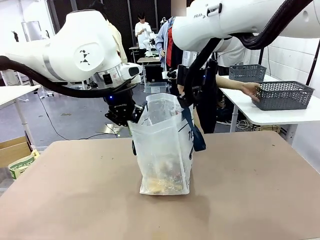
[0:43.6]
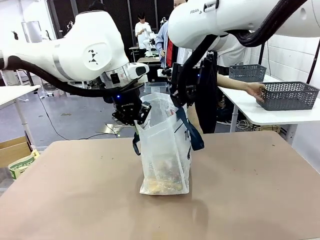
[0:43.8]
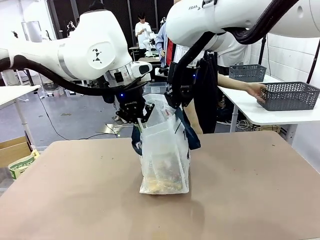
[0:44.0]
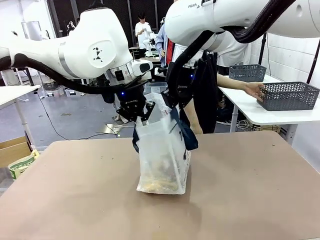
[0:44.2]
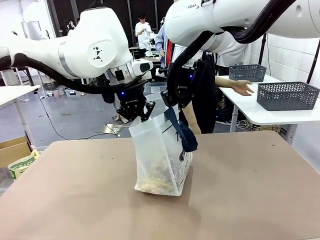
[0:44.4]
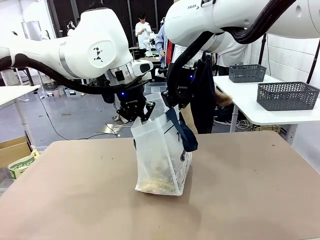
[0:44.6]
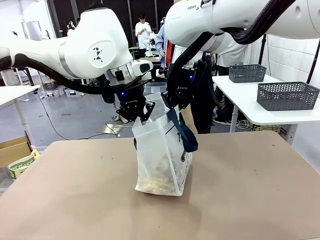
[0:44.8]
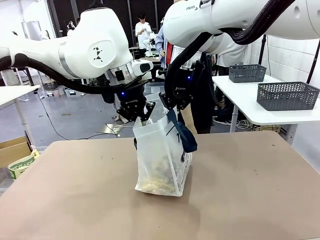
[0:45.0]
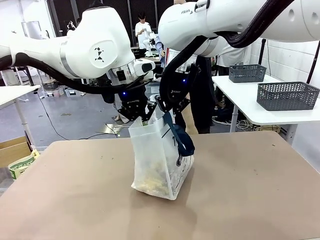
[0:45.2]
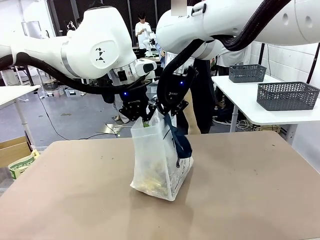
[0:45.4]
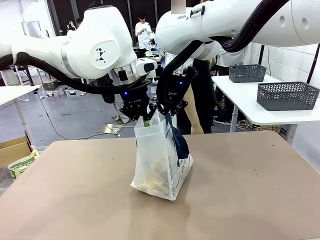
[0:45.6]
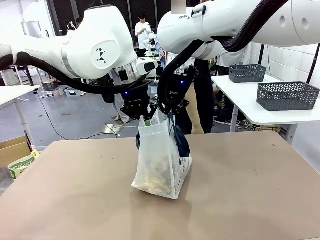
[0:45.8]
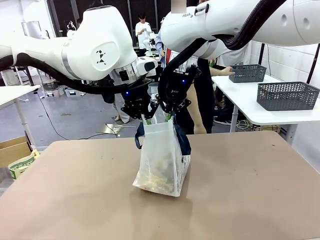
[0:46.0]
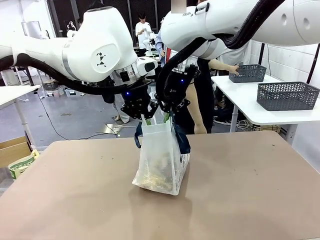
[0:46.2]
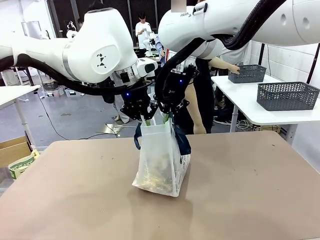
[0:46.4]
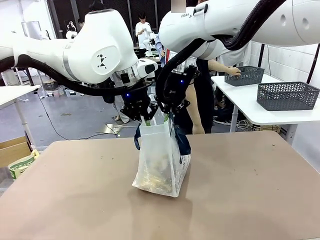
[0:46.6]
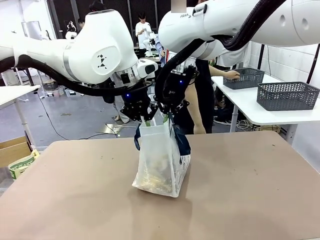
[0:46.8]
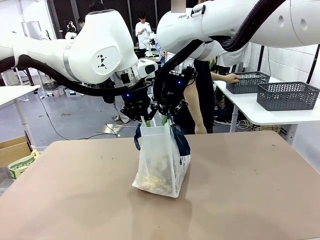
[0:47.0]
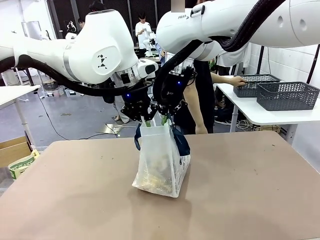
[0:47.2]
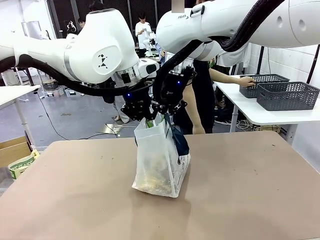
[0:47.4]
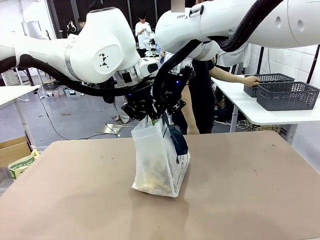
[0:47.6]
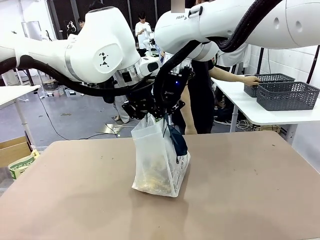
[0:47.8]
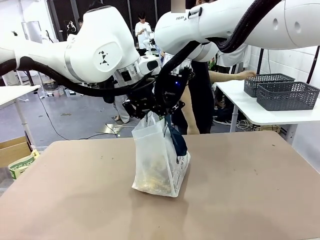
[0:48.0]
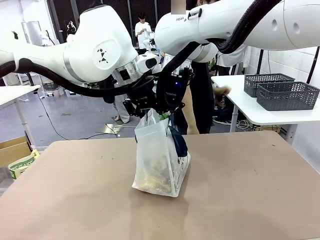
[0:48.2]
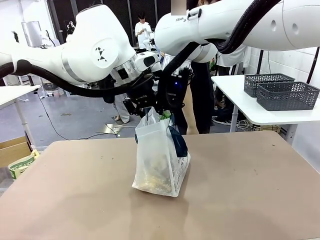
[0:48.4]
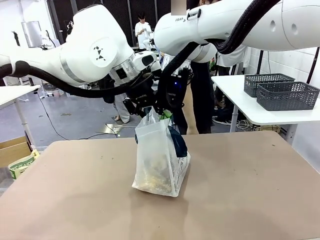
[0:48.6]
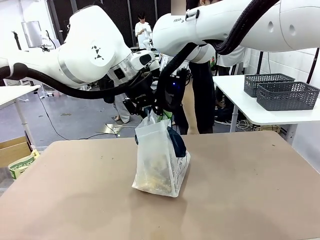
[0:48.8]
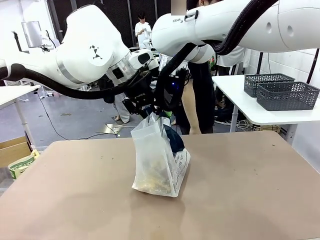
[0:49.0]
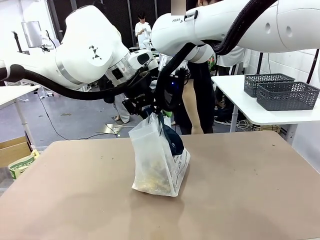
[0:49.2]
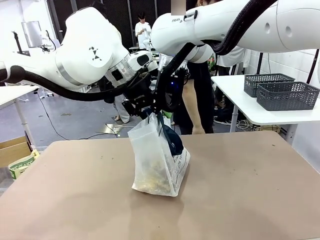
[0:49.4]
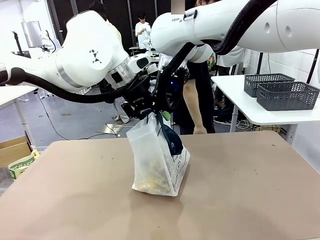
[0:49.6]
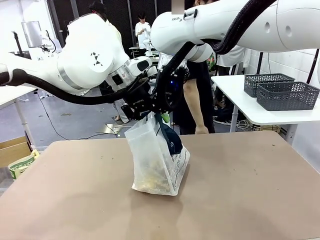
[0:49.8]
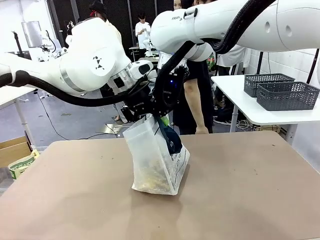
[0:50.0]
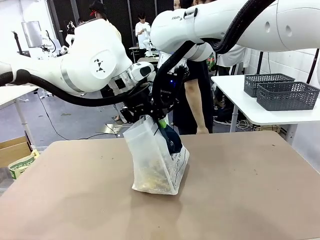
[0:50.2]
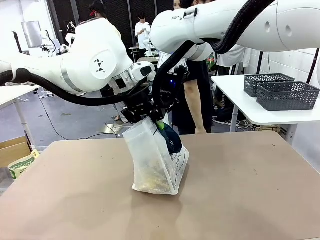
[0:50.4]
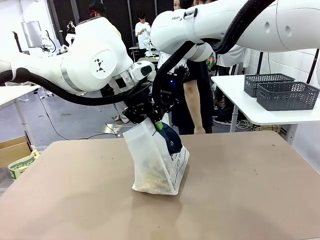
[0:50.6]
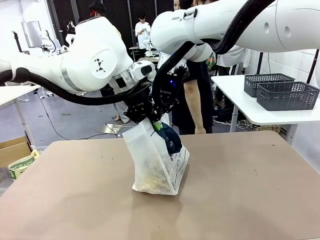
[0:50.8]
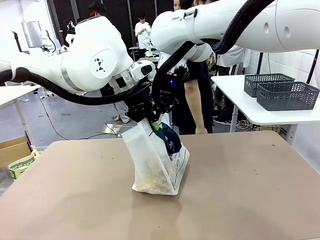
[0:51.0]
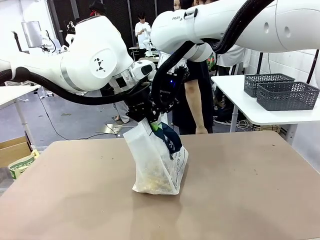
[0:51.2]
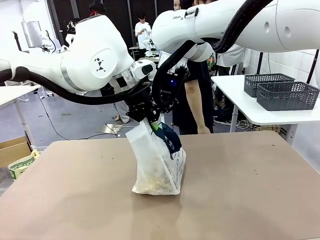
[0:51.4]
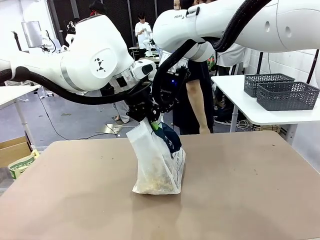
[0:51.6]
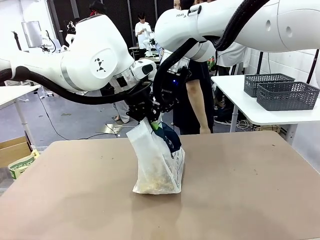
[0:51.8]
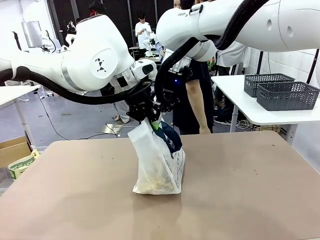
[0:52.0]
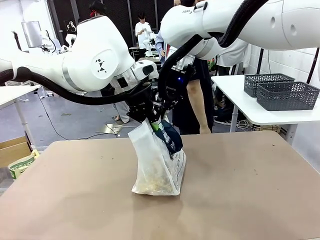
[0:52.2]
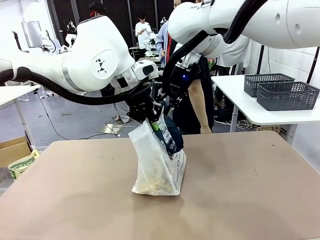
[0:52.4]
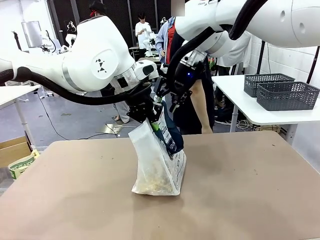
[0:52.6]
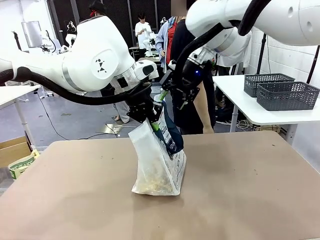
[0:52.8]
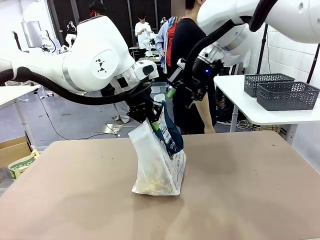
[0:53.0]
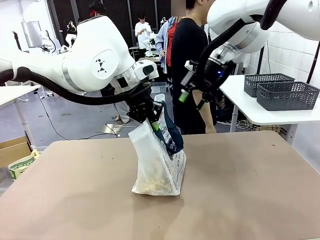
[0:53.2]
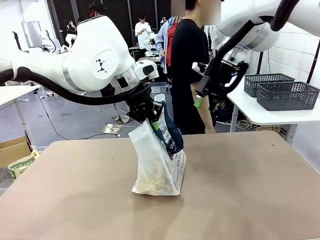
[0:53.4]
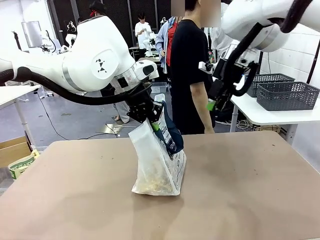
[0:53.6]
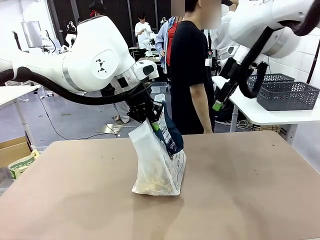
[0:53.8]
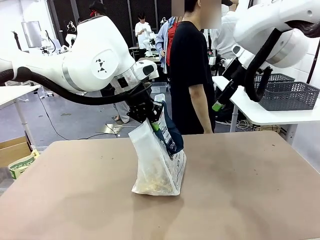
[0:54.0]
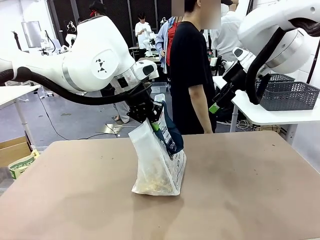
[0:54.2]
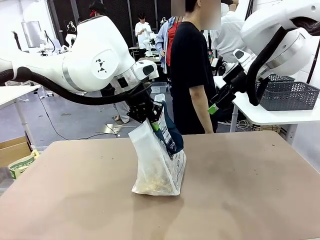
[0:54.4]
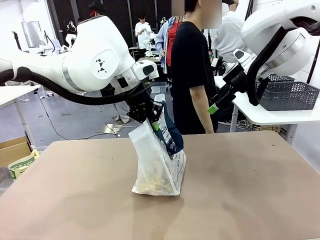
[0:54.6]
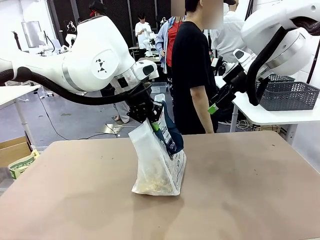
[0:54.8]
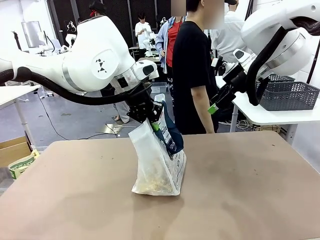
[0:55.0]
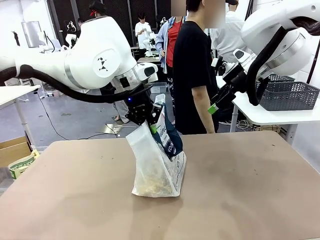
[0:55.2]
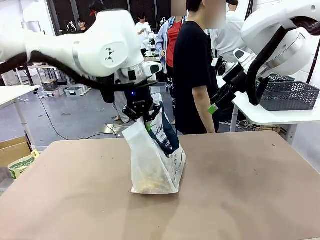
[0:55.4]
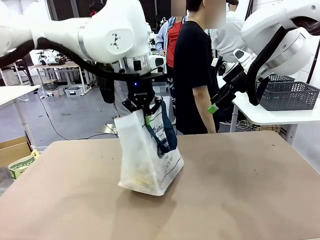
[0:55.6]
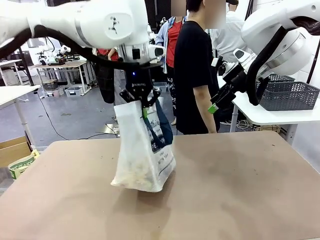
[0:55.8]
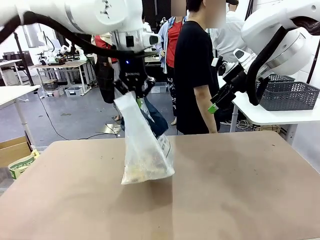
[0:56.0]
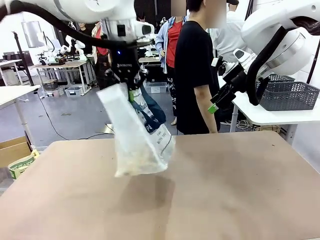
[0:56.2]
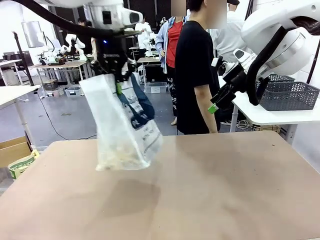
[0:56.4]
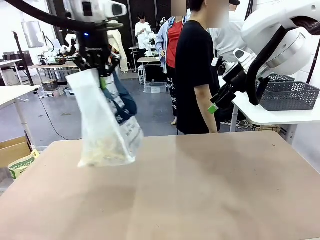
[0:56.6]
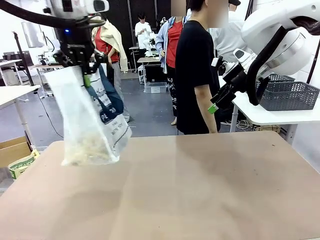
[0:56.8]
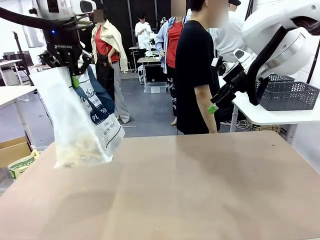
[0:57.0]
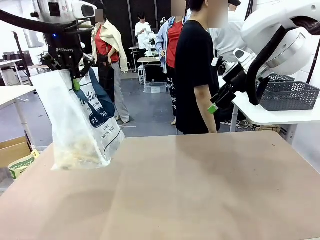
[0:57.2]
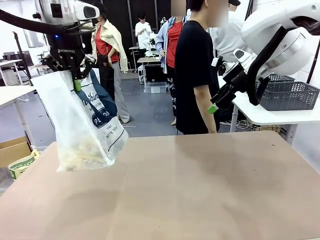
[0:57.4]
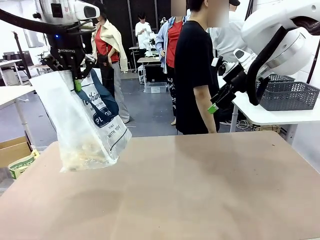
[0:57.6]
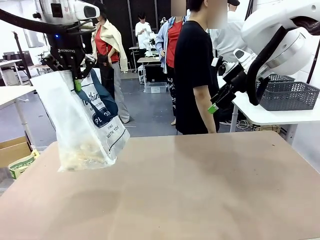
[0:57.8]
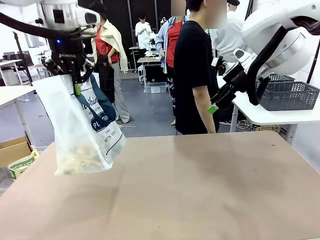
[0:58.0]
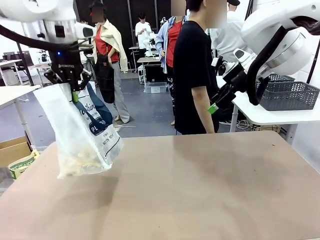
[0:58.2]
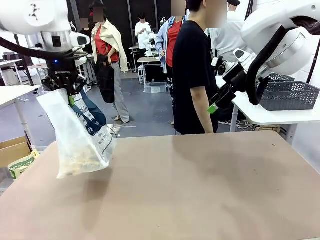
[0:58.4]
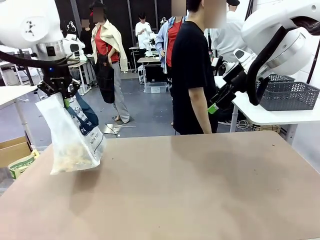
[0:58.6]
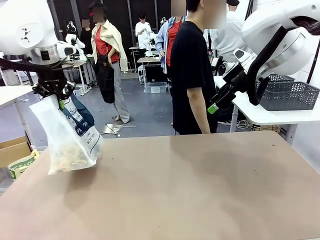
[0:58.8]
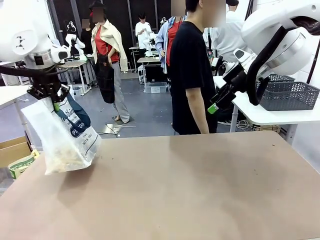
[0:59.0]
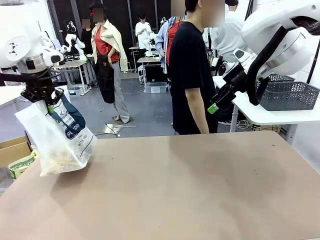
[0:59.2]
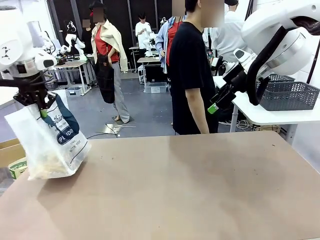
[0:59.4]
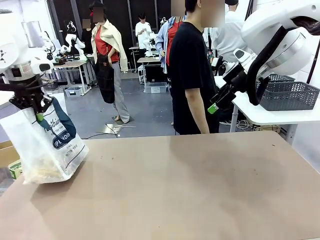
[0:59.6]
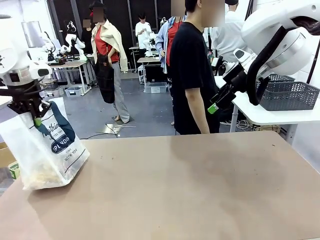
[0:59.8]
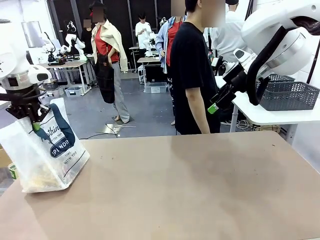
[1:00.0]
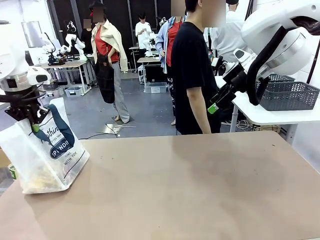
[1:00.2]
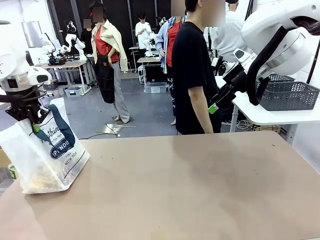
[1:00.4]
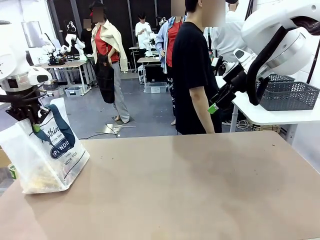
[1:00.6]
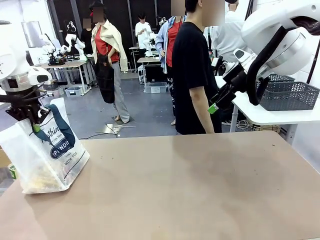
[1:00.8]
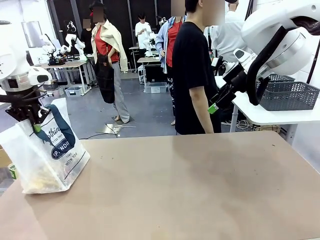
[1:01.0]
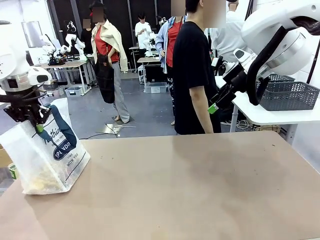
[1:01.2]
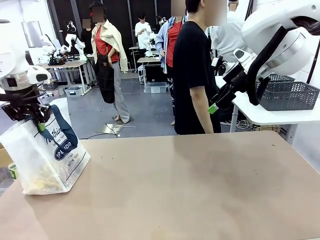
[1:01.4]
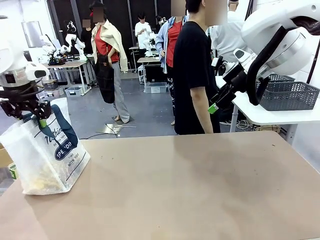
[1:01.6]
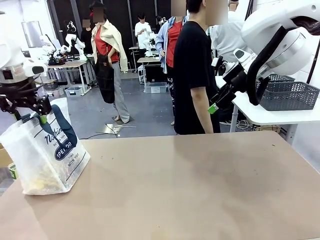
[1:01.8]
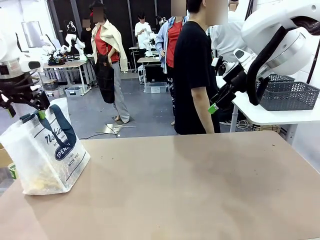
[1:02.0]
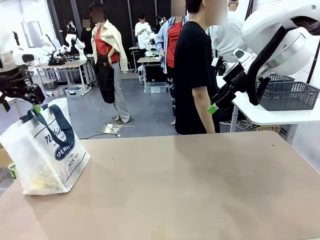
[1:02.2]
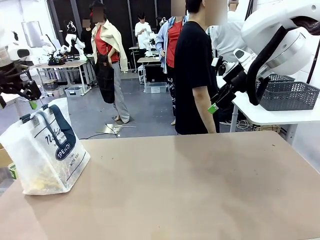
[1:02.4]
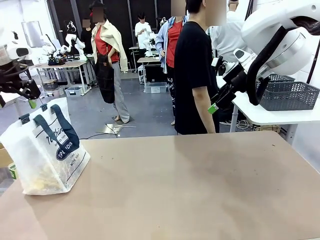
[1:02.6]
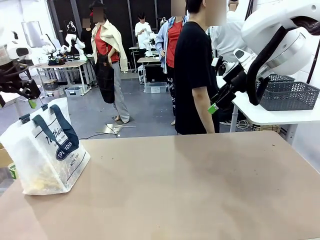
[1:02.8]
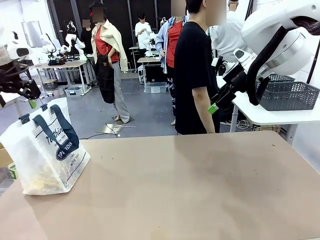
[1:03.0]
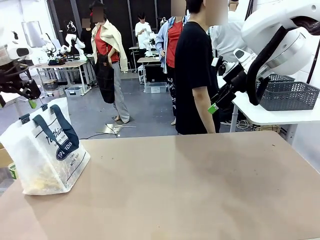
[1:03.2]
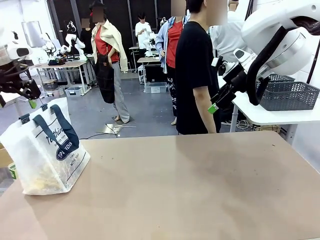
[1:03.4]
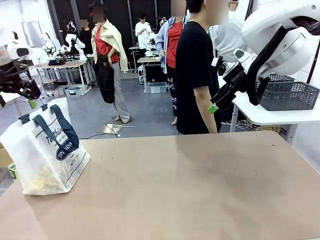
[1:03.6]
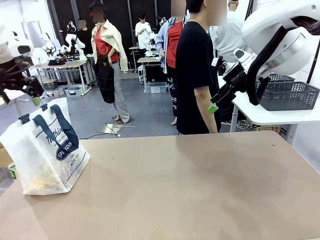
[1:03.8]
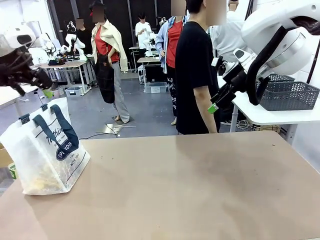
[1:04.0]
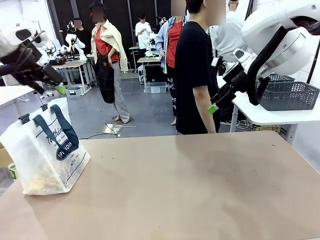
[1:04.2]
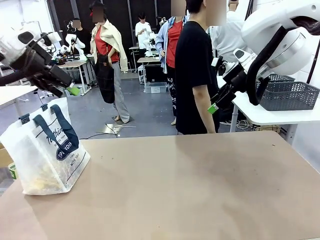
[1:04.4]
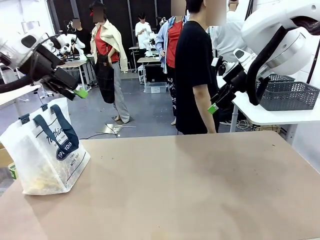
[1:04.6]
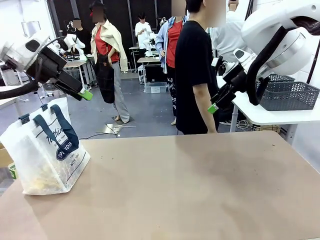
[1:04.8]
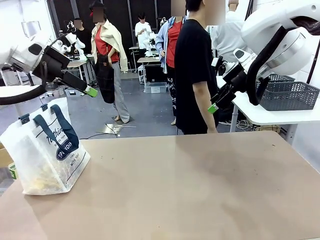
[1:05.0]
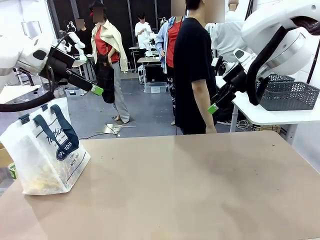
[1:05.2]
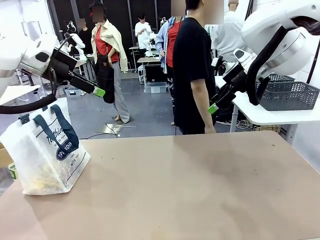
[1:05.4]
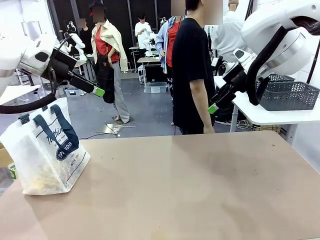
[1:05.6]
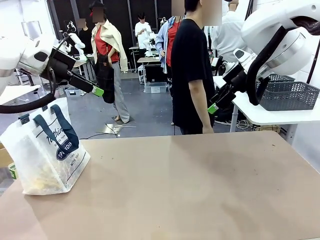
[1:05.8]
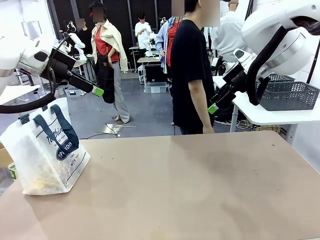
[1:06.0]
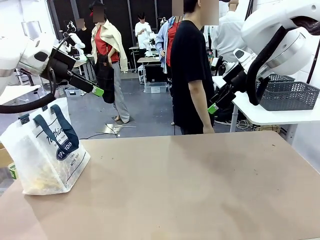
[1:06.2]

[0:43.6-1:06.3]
Task: Transfer purchased items from the store into the shopping bag.
Robot: Move the Reusable shopping bag to the right side of the table.
Person: Move the basket on the left to the middle of the person's table.
